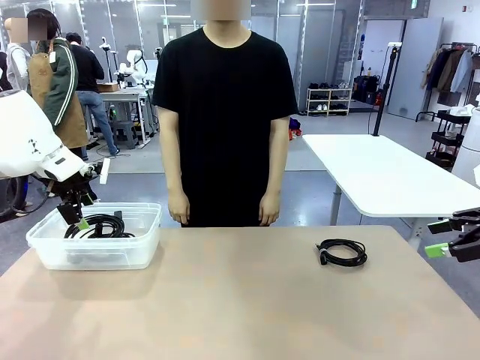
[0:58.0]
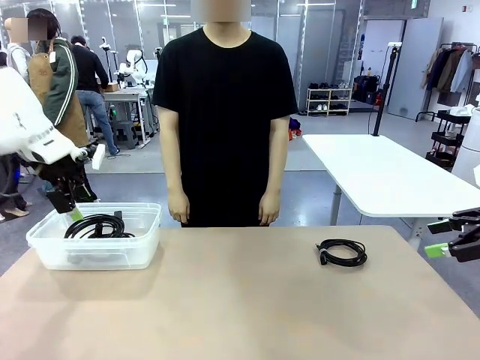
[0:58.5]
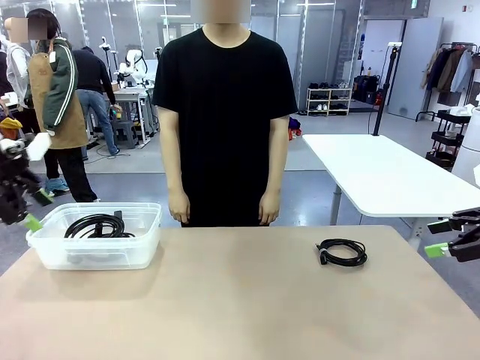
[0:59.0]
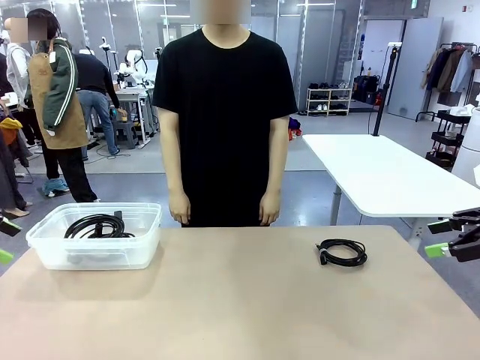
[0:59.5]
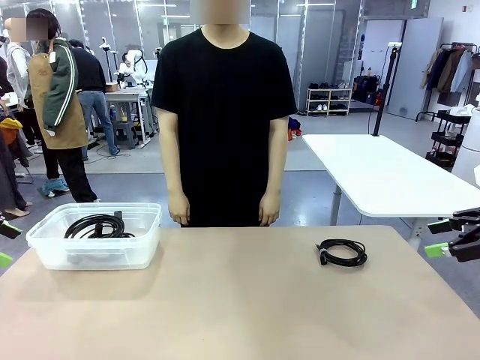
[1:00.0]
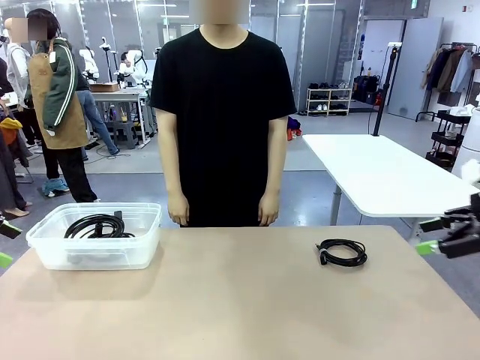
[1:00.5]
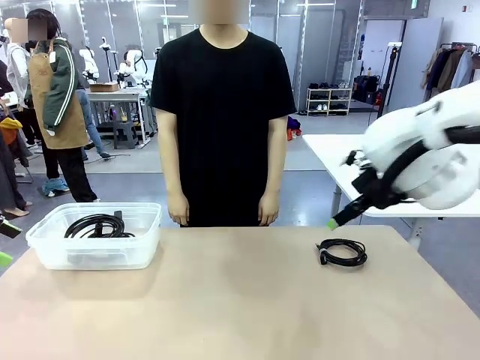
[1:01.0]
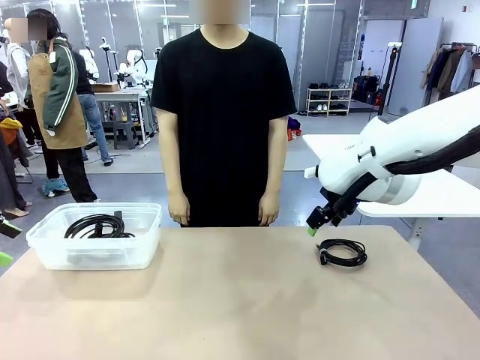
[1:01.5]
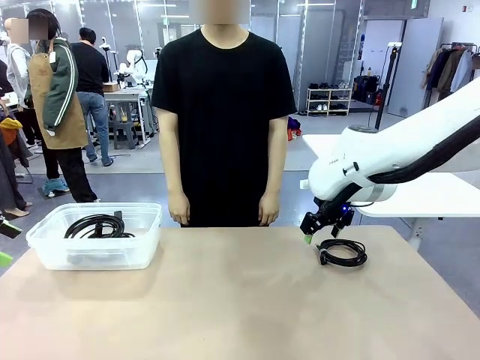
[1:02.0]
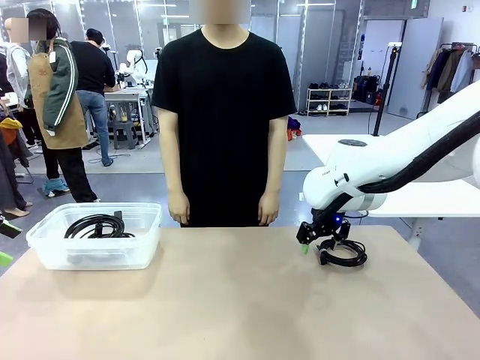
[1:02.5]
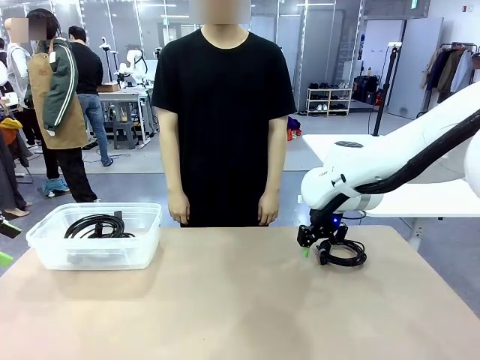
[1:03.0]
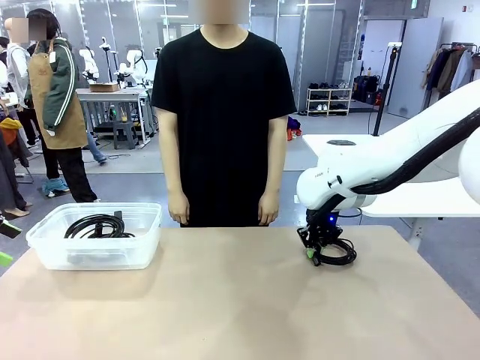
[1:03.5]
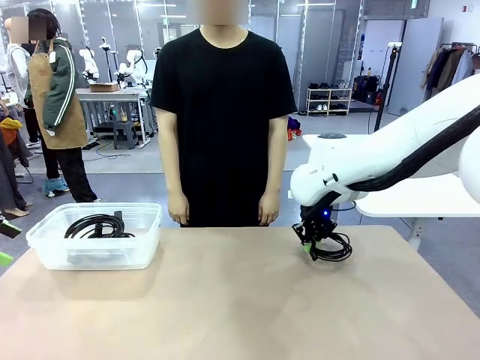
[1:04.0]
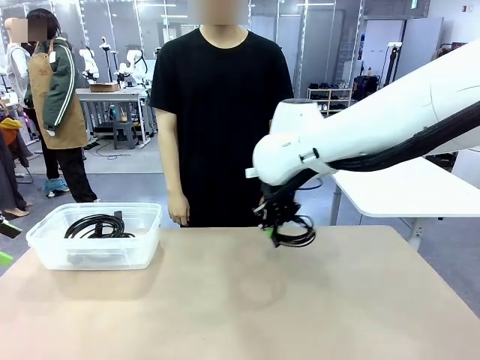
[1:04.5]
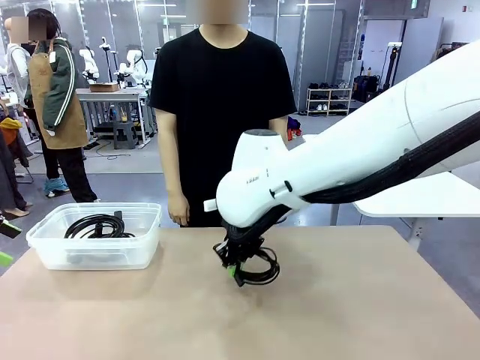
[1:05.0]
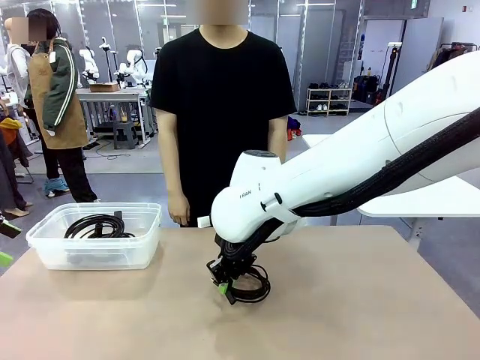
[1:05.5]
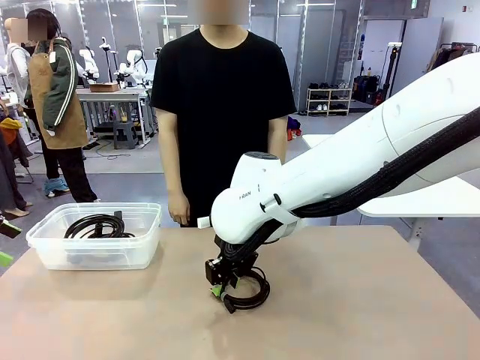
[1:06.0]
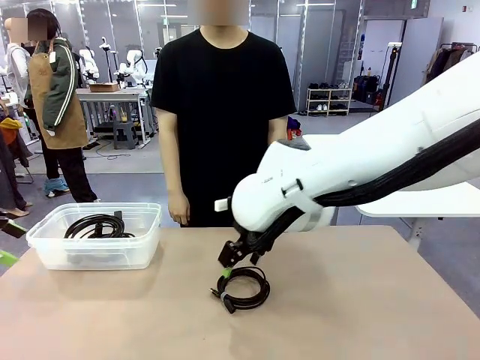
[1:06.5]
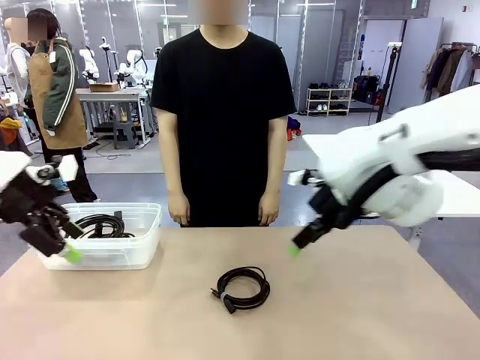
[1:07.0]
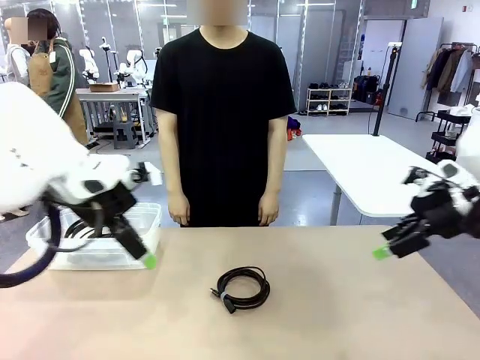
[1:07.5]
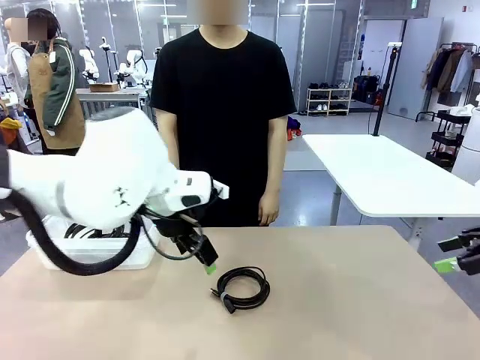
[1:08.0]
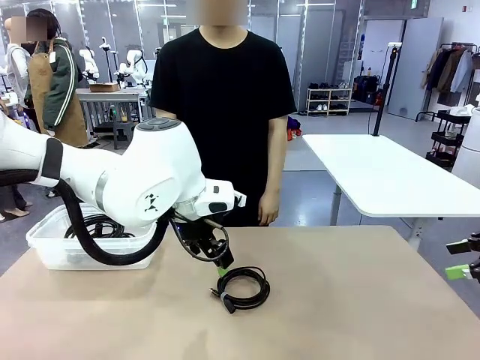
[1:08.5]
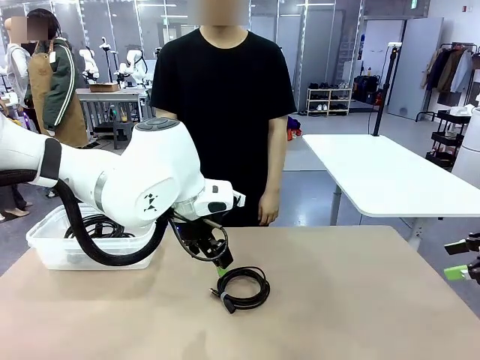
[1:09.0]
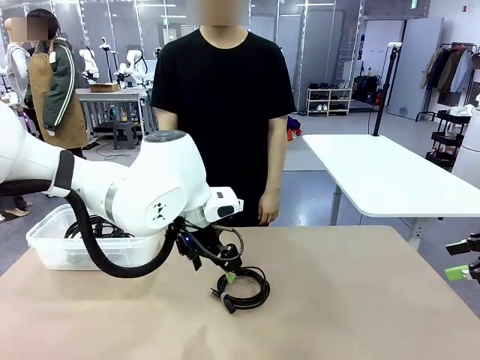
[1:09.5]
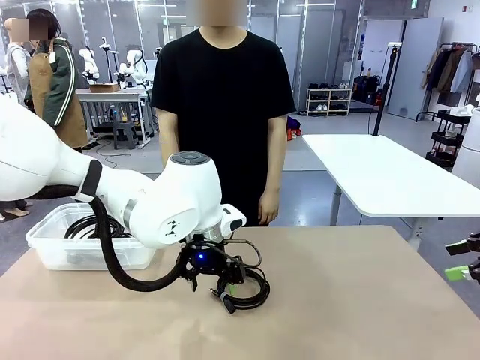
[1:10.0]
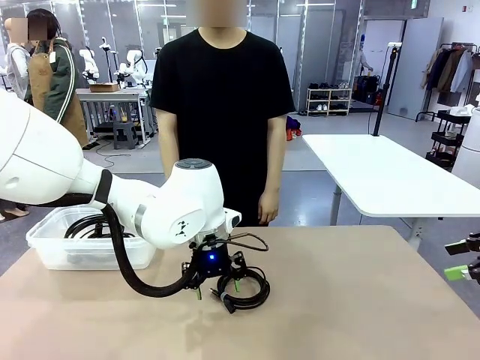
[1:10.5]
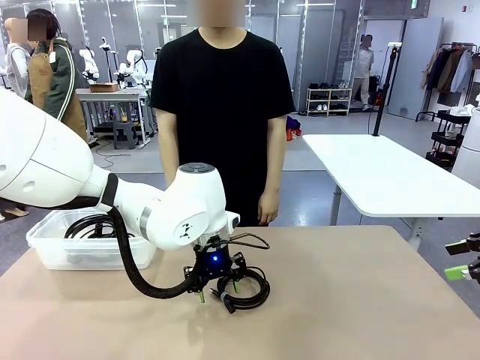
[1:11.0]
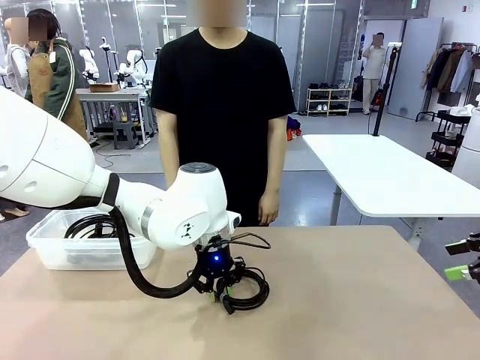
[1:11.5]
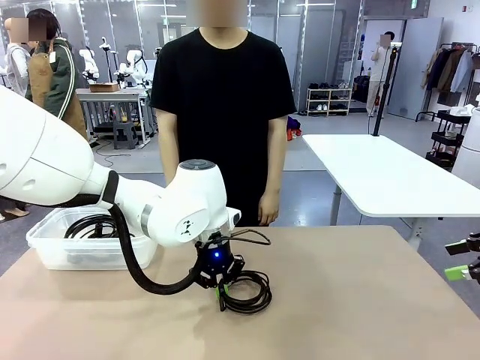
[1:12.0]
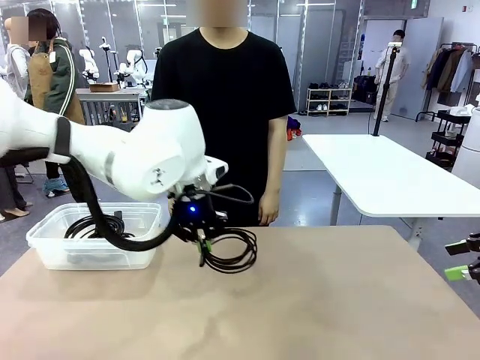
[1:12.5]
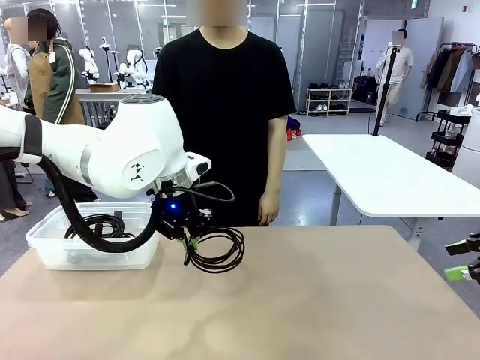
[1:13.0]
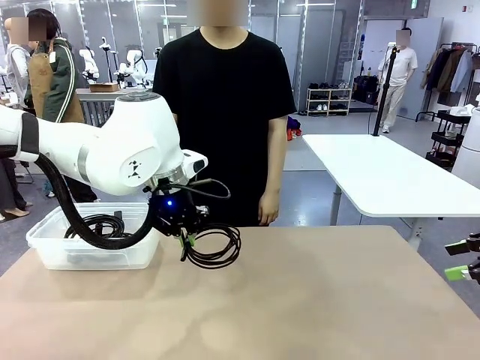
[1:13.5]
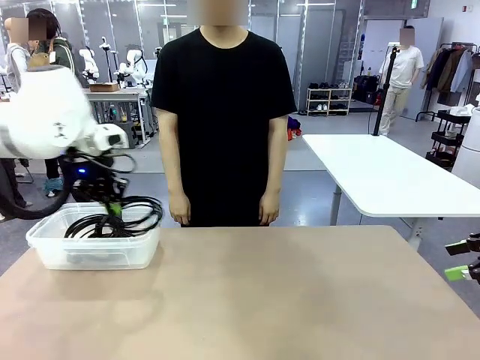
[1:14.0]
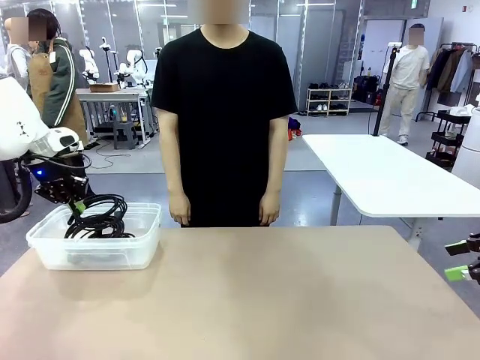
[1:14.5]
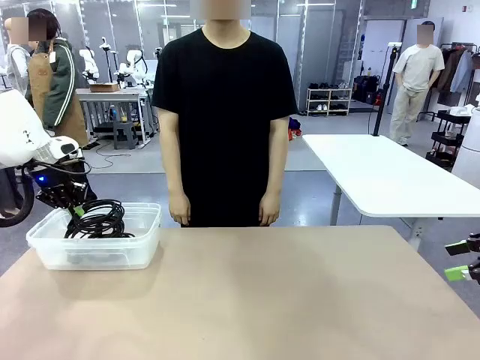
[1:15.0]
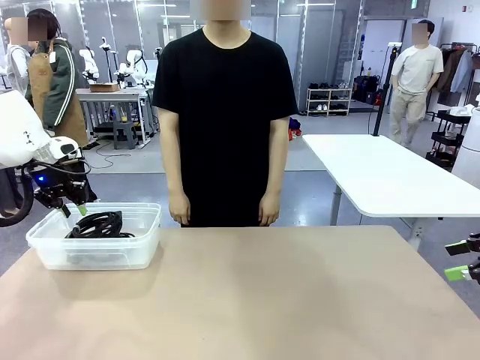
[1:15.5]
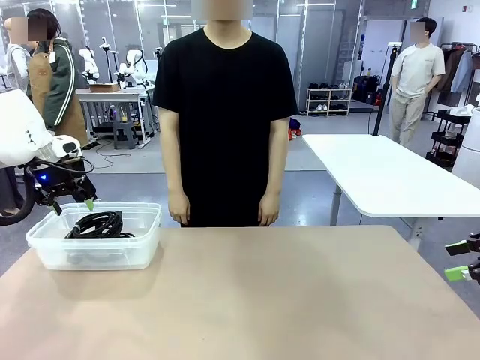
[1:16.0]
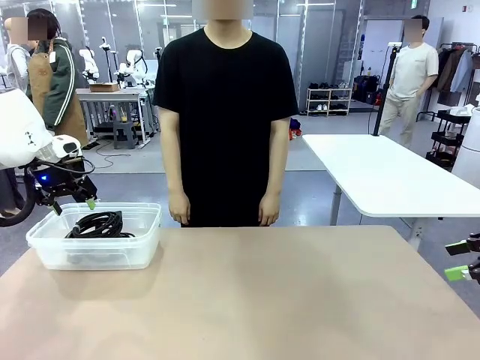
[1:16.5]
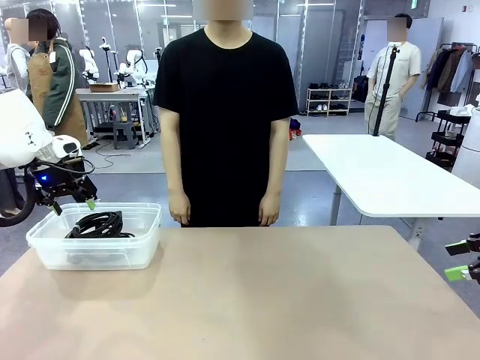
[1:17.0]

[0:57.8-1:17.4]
Task: Organize and store the cables.
Robot: Place the USB Extension Cable into the Organizing box.

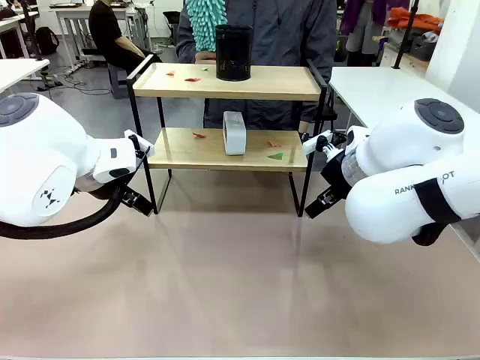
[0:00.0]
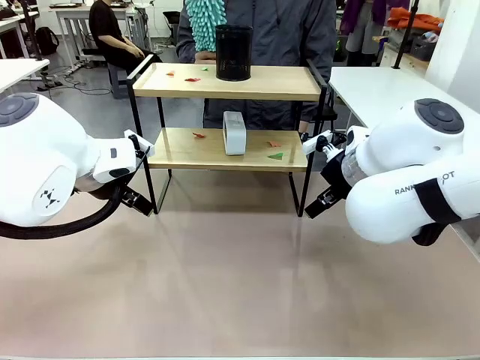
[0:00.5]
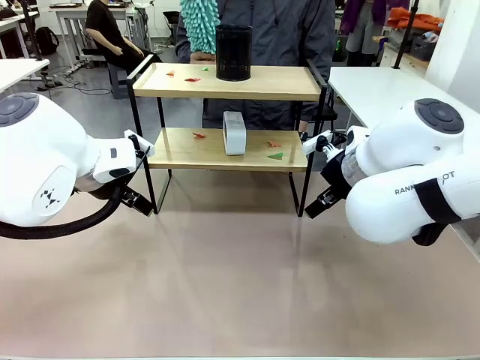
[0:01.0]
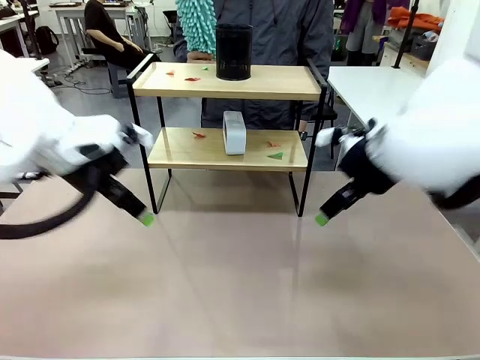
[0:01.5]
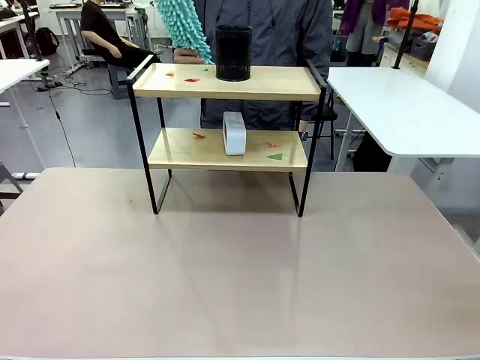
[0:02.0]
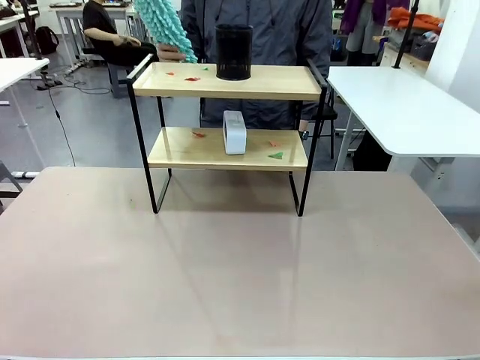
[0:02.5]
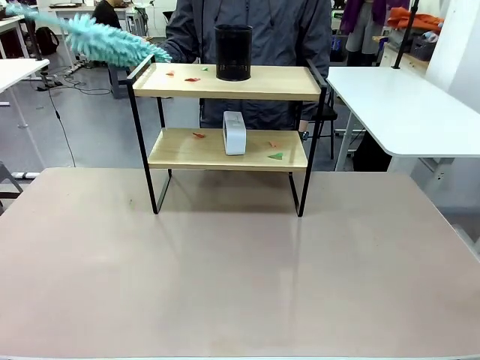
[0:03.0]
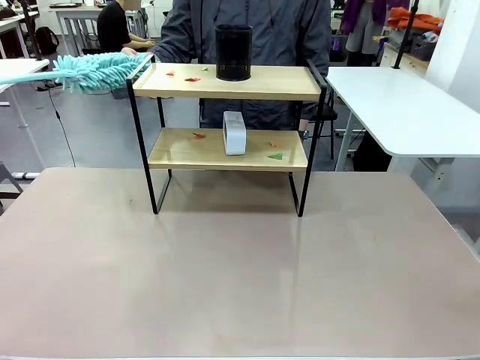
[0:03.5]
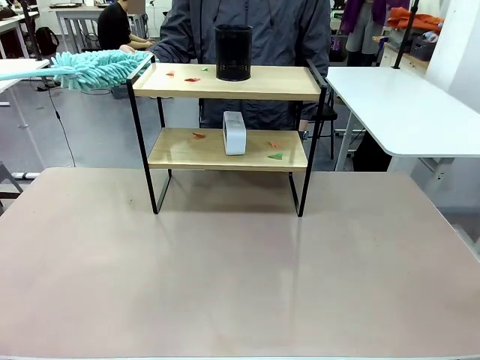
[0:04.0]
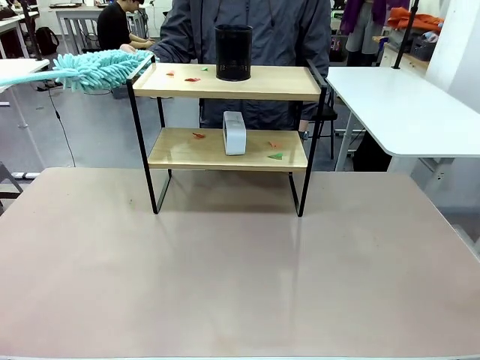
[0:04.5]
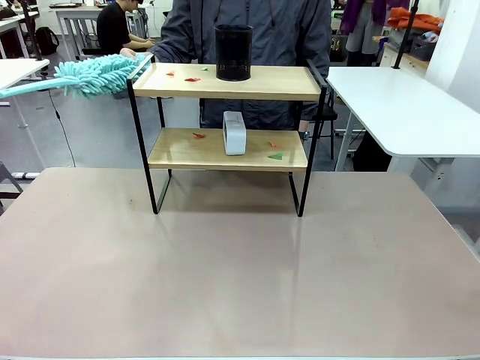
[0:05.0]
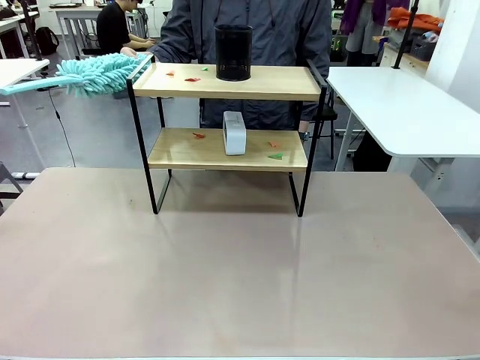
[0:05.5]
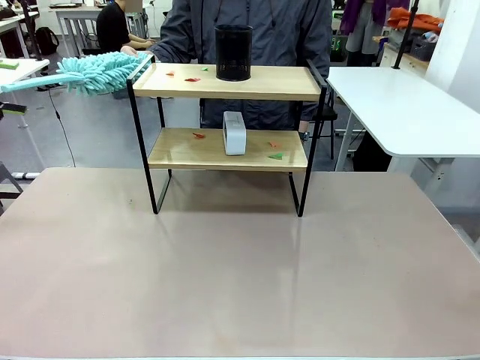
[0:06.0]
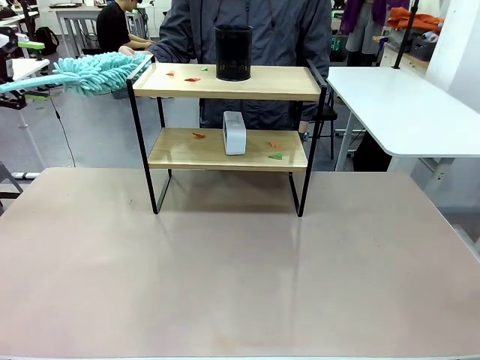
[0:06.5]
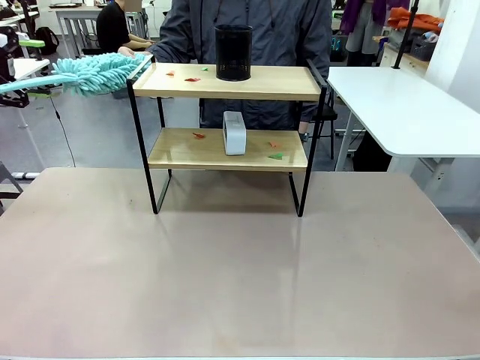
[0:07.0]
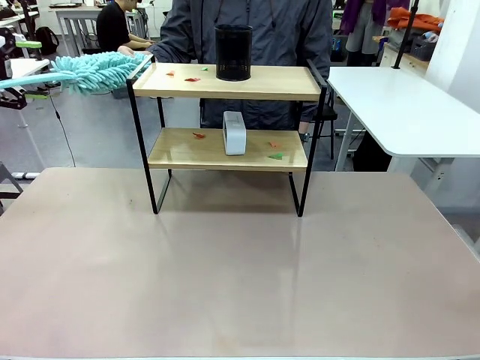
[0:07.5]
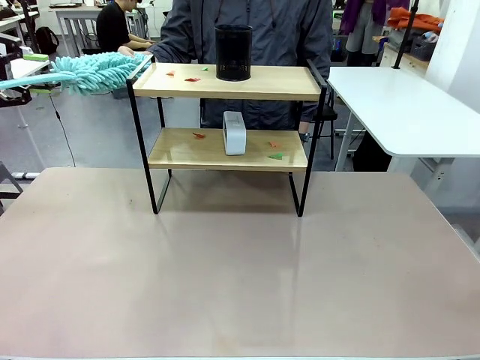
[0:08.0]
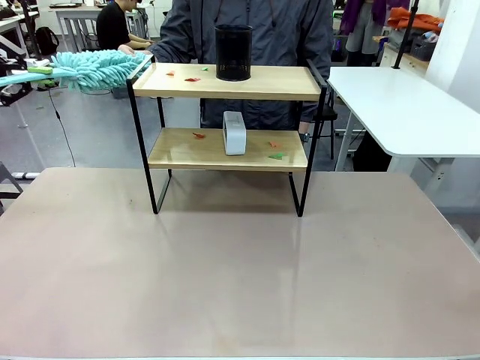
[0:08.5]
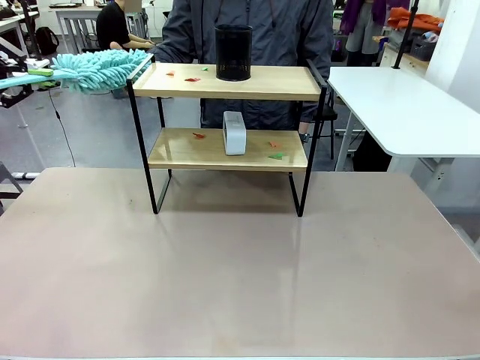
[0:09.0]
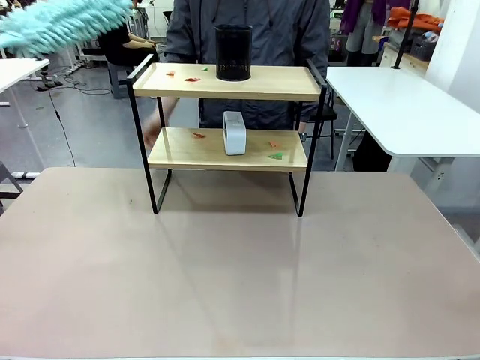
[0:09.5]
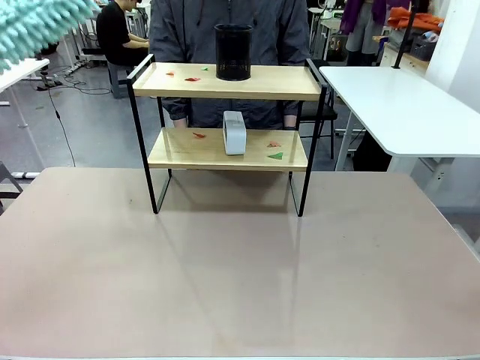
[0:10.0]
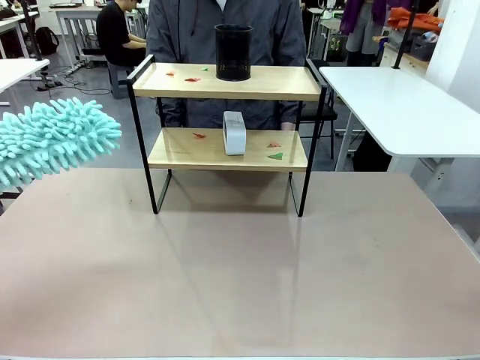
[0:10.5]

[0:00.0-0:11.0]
Task: Clean the shelf.
Robot: Pick up the Duster from the human.
Person: Hand the Duster to the robot.
